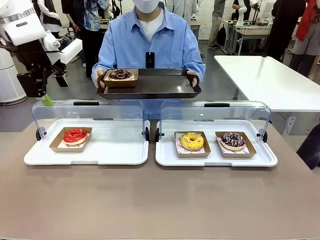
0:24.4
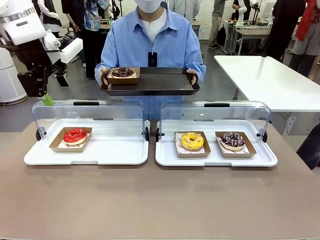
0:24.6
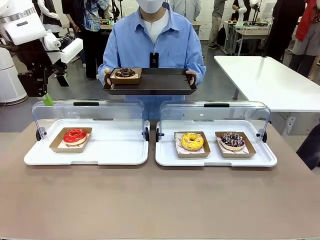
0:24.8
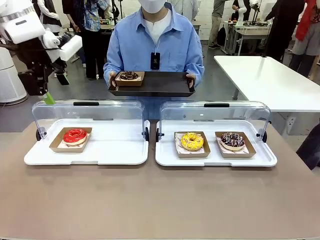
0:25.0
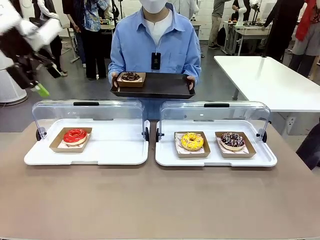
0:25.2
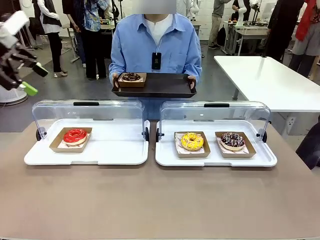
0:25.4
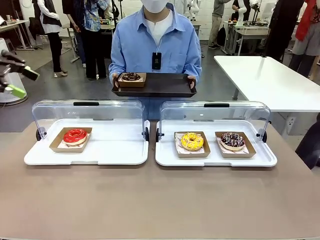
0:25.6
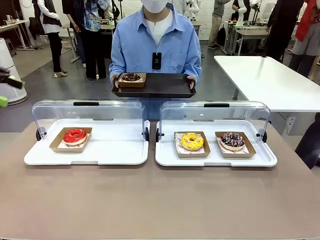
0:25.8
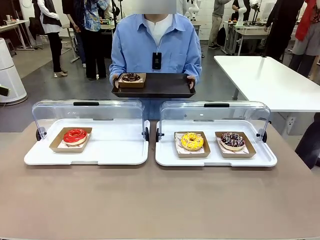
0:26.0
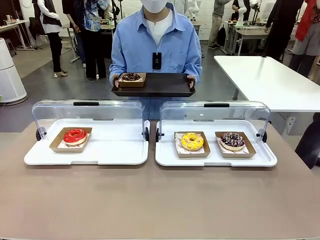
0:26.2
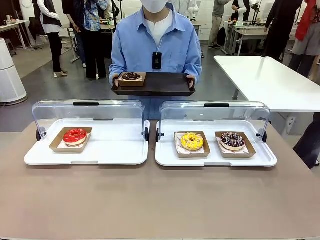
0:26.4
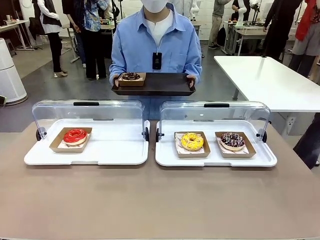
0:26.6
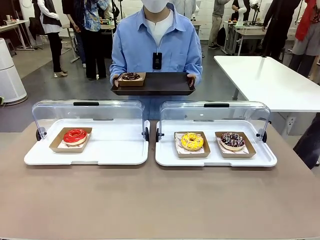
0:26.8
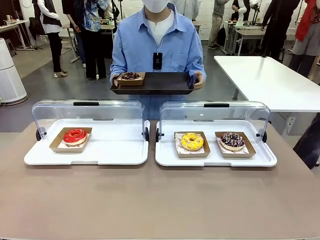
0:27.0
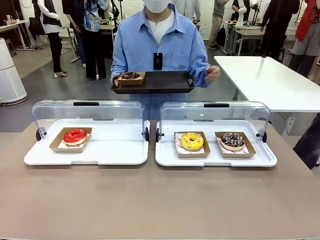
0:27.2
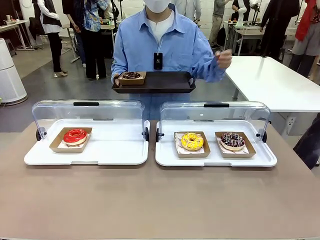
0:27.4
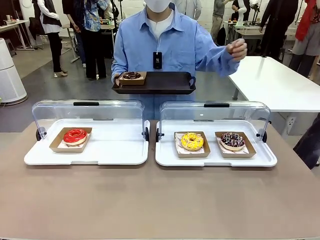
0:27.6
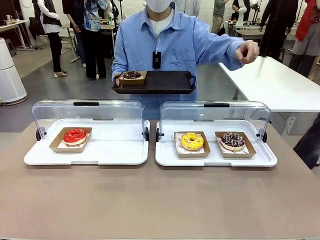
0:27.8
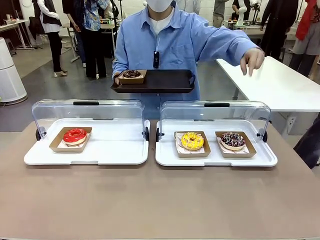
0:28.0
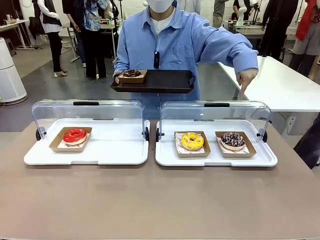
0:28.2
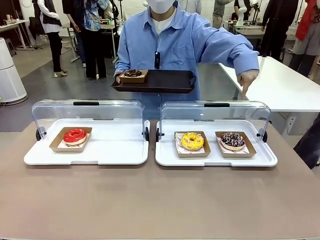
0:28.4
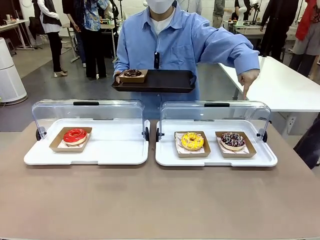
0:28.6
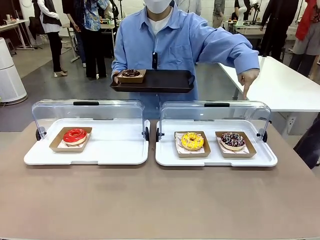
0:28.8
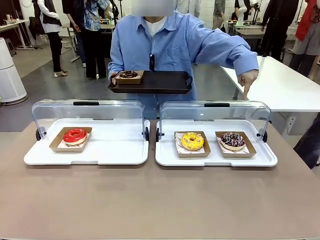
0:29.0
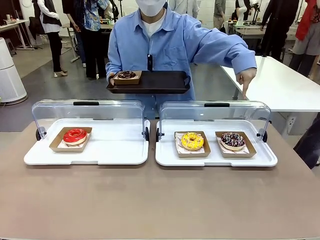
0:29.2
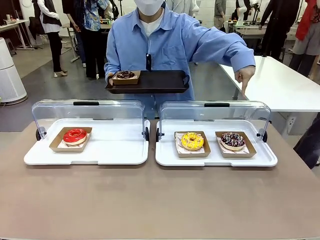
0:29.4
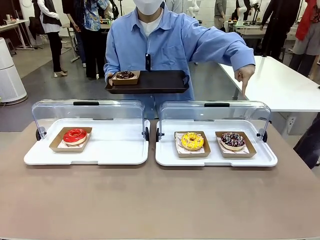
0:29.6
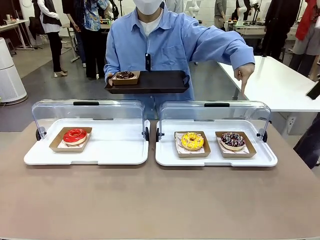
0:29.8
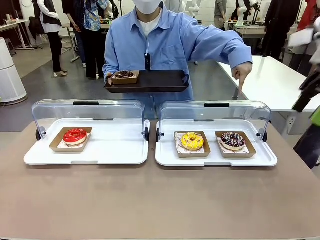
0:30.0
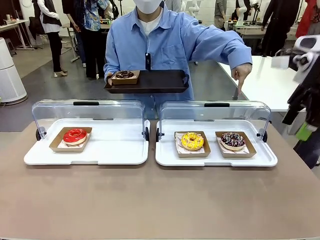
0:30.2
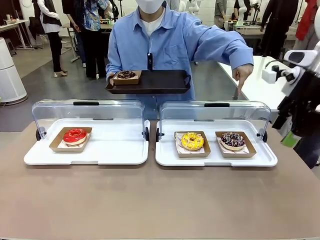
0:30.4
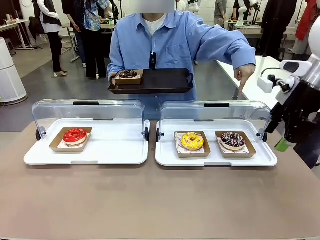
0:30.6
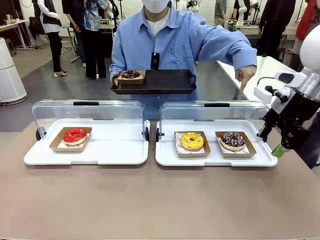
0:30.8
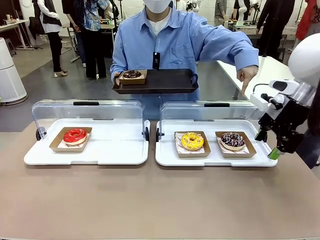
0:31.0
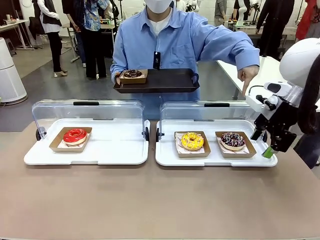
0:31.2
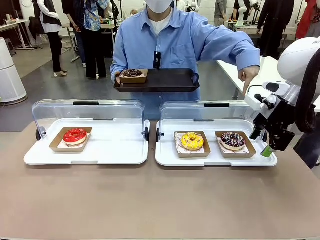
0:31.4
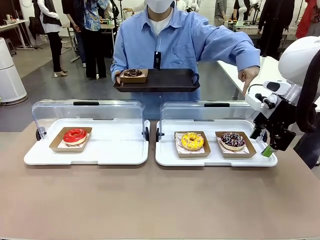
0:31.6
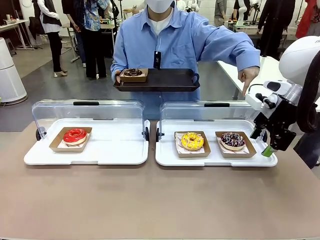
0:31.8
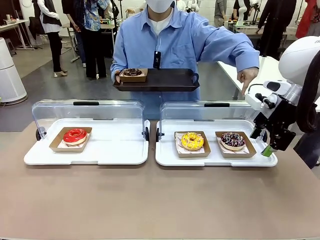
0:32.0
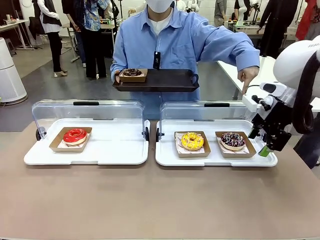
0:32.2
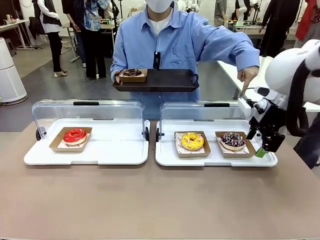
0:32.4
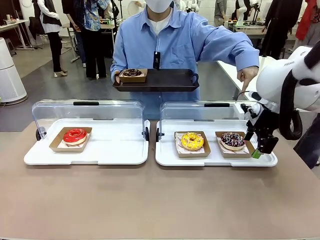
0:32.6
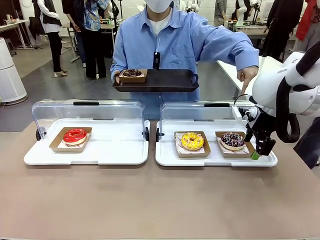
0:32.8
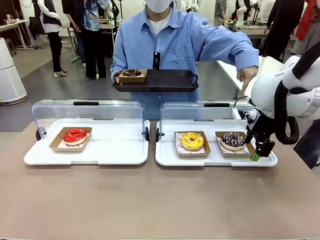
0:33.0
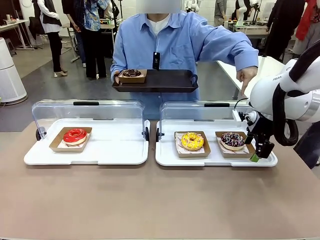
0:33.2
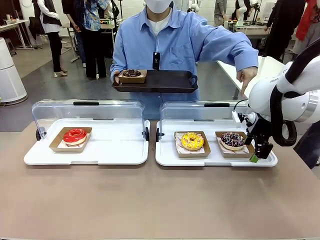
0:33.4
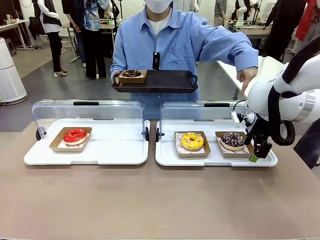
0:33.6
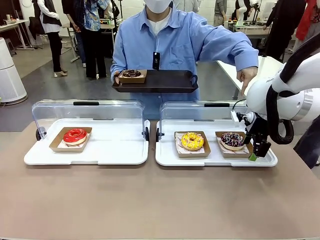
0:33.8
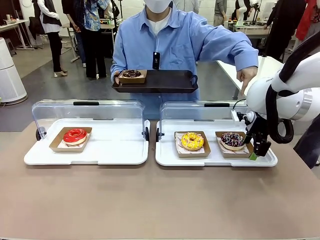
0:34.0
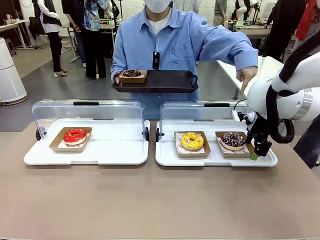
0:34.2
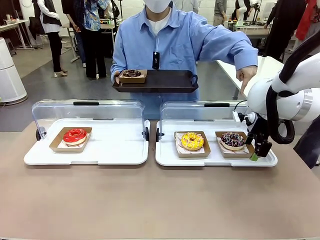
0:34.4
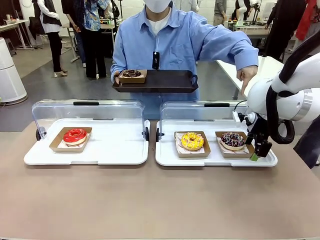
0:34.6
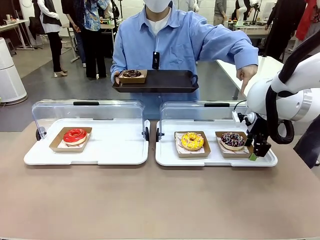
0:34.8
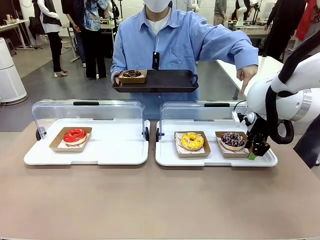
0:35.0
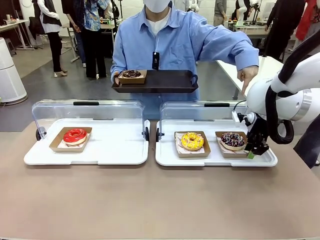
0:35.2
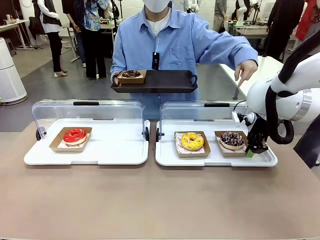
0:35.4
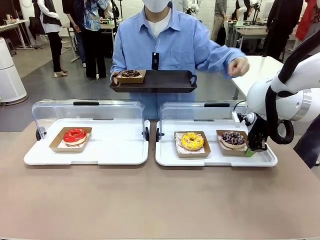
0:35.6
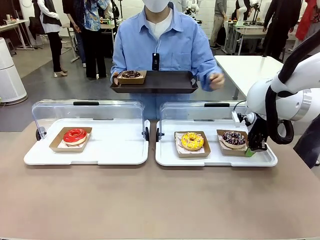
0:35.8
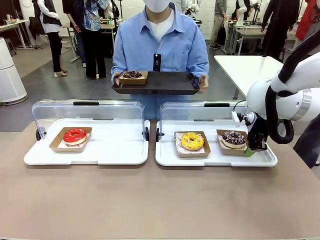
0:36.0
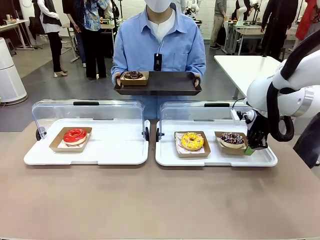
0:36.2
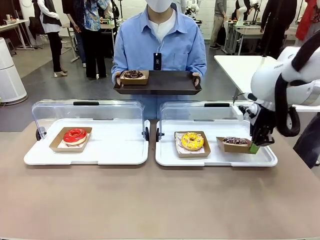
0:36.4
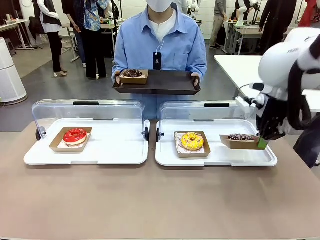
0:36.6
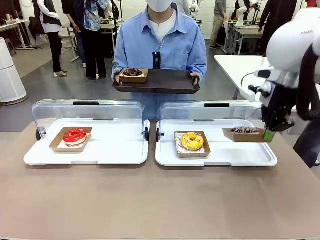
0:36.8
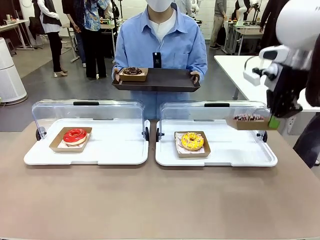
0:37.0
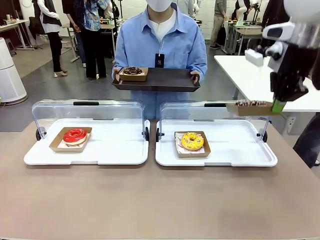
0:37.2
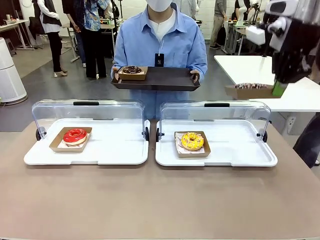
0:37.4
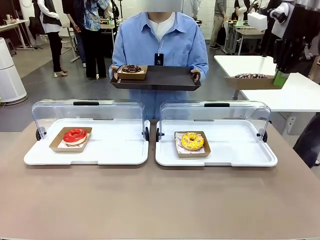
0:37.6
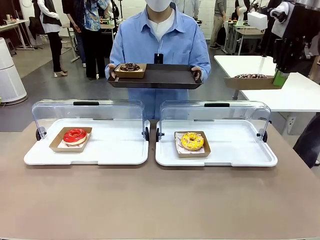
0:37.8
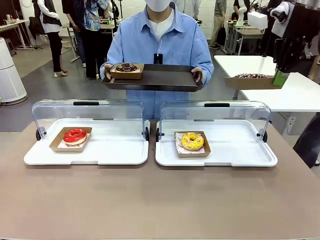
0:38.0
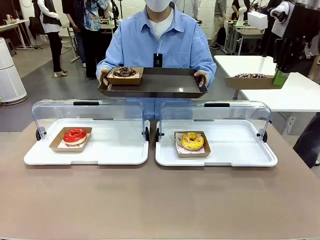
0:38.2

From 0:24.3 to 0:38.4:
Task: Provide the desired donut to the person.
Robot: Pick up and lift the Paper togo box containing the Donut pointed at by the person.
Person: Point to one donut. Lift the tray onto the Roll-Top Bakery Case.

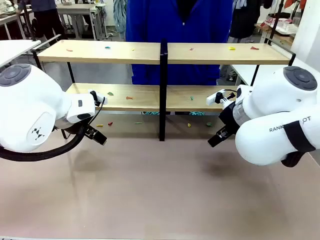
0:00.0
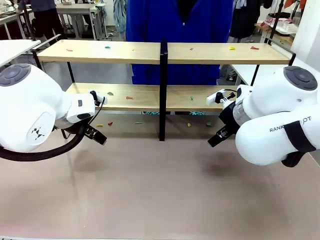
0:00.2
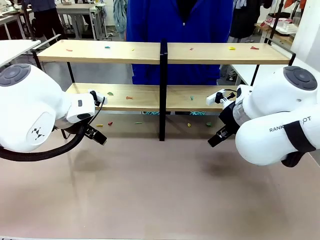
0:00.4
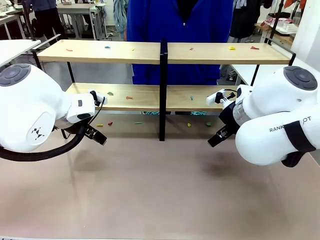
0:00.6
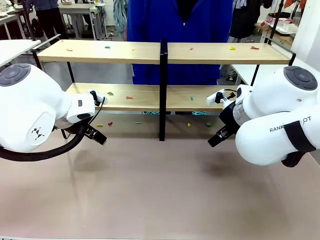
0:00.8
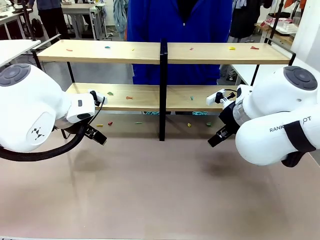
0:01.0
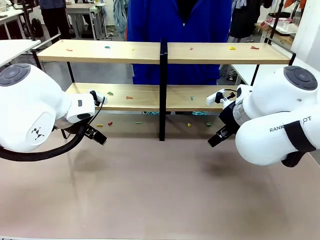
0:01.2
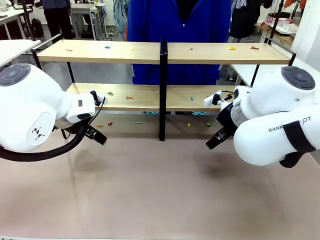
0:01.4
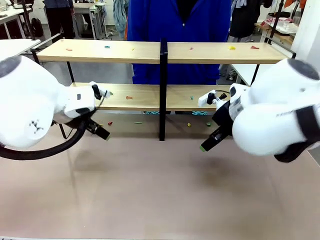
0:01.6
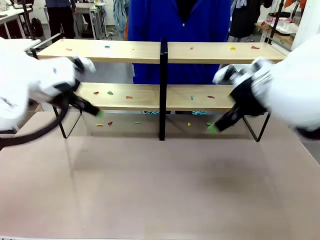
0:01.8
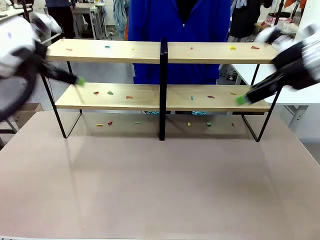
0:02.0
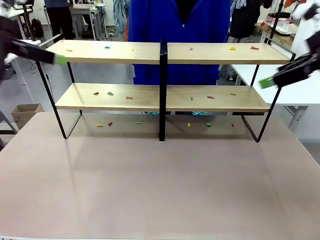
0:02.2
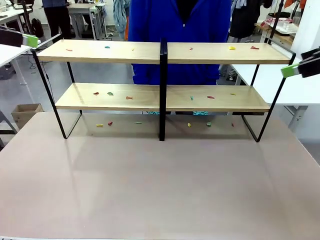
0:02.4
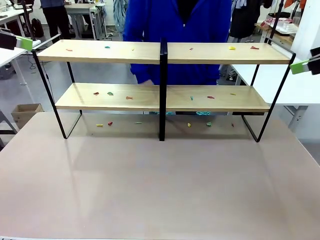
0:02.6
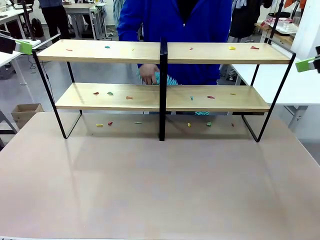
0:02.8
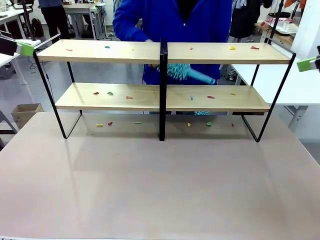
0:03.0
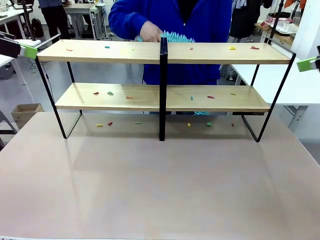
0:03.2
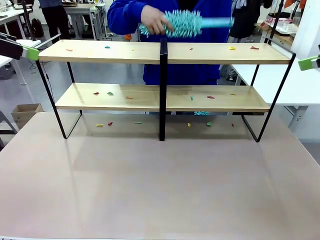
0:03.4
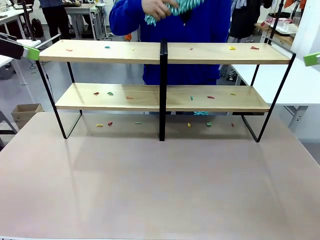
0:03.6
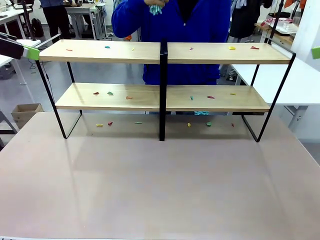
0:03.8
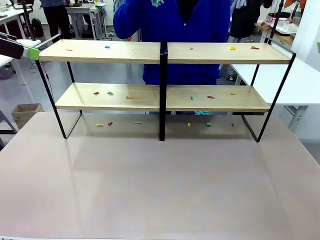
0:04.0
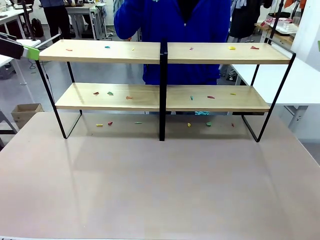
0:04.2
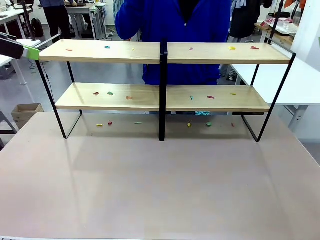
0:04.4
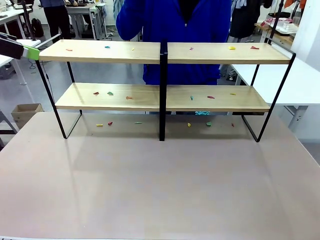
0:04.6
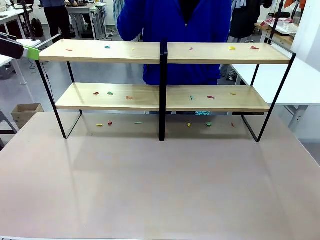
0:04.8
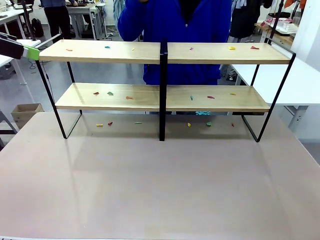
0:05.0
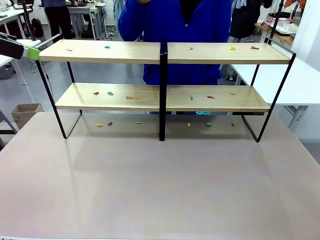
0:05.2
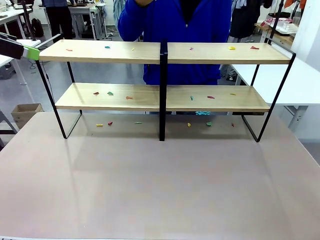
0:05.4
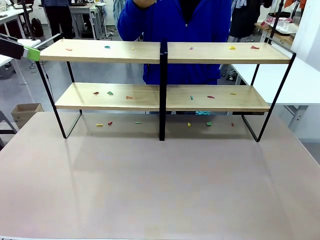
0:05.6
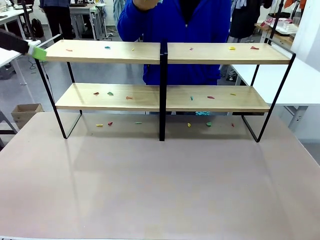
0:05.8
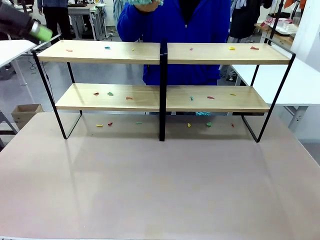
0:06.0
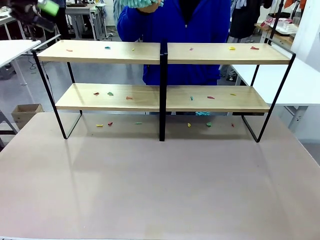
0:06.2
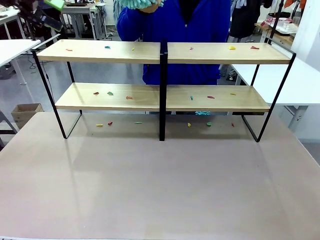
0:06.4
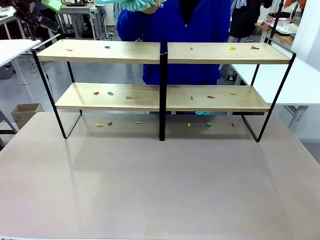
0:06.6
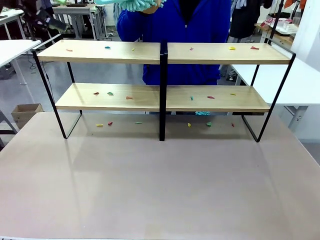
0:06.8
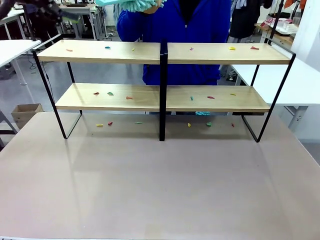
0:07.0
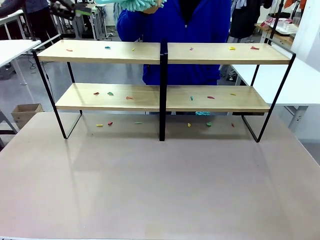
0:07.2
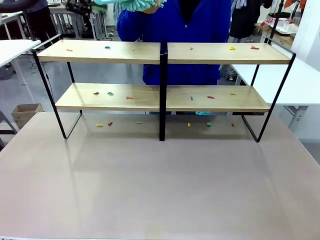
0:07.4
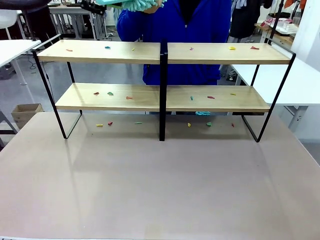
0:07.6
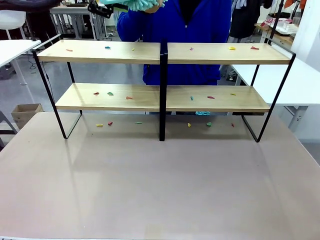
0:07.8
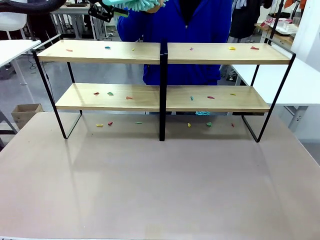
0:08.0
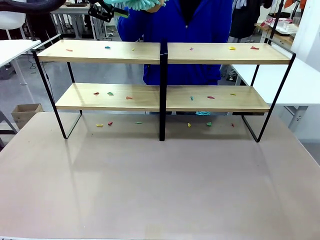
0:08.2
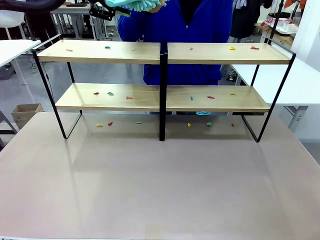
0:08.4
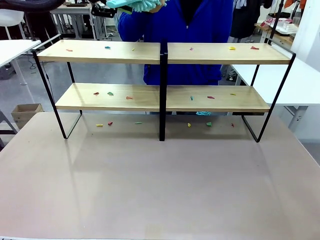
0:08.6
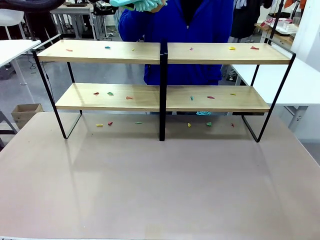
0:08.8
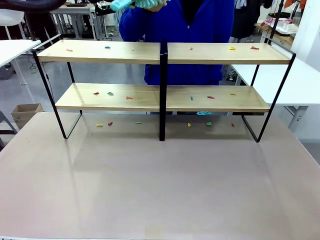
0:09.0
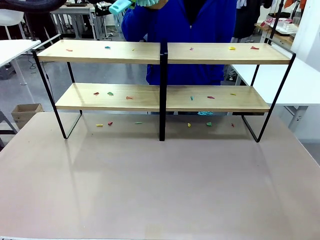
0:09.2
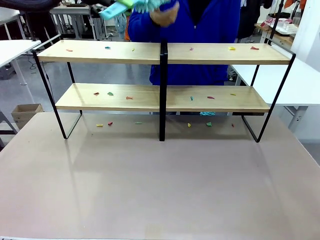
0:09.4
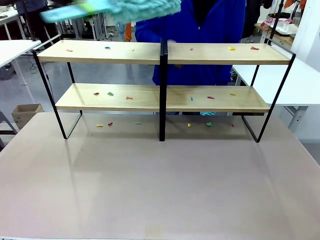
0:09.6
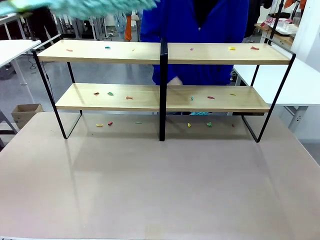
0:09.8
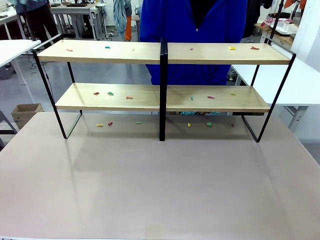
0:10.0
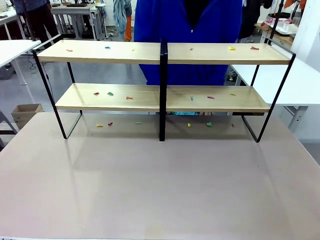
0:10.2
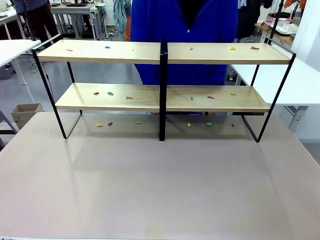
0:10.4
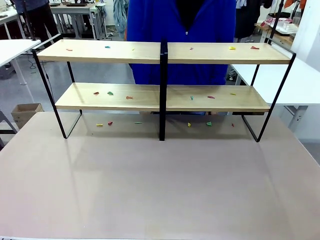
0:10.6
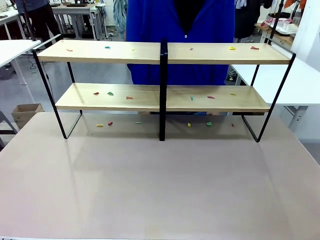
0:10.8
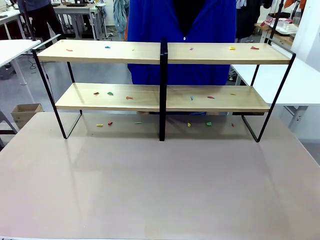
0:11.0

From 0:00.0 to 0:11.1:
Task: Clean the shelves.
Robot: Pick up the Duster when the human hands it over.
Person: Hand the Duster to the robot with your right (or left) hand.
